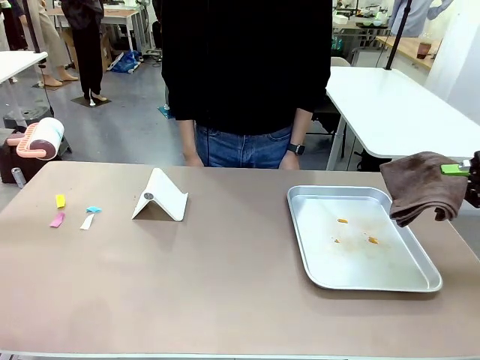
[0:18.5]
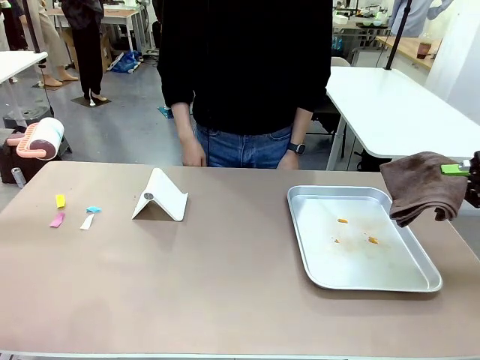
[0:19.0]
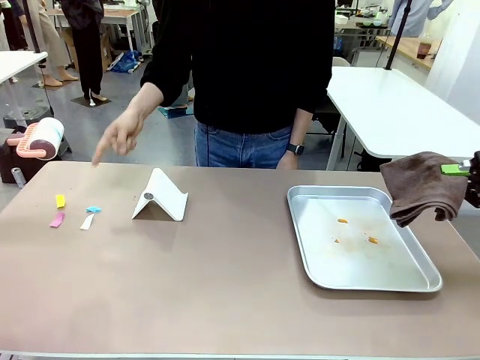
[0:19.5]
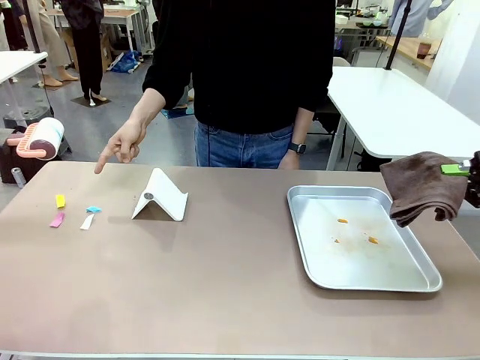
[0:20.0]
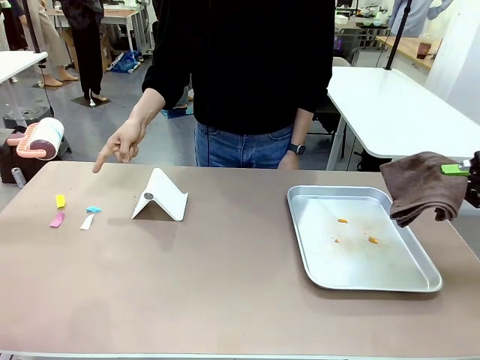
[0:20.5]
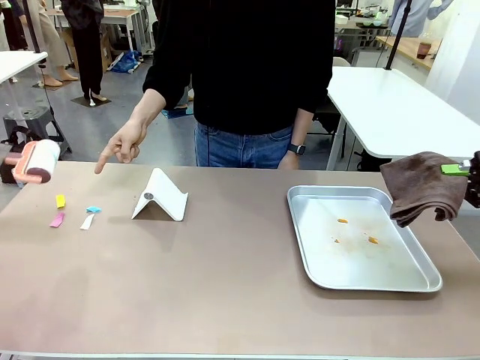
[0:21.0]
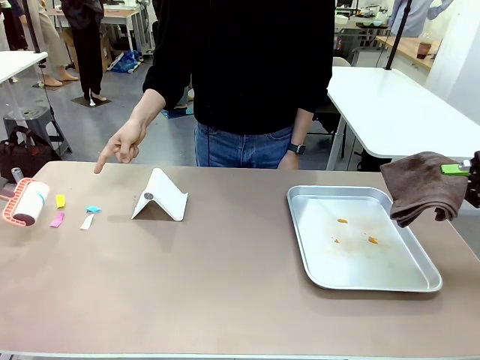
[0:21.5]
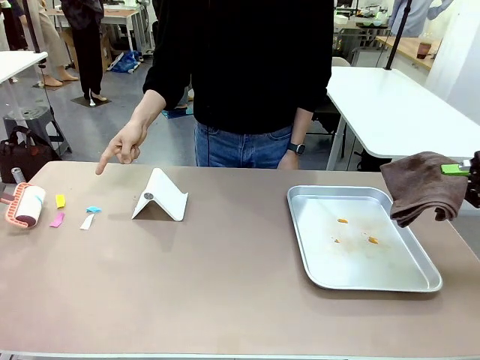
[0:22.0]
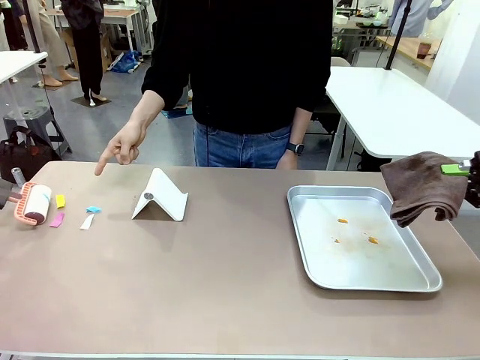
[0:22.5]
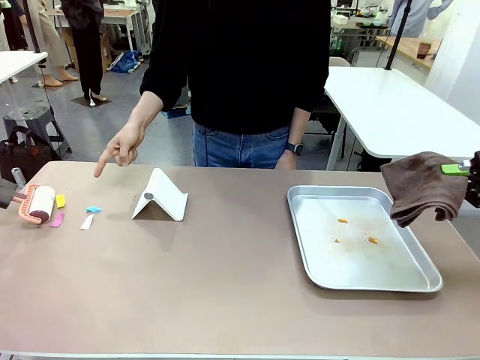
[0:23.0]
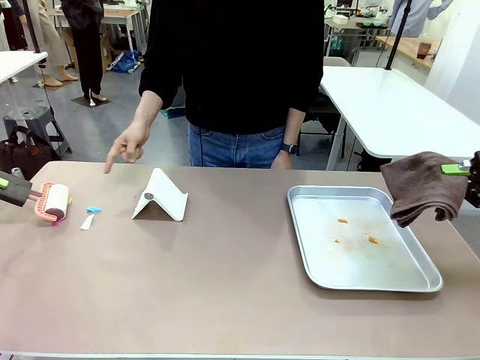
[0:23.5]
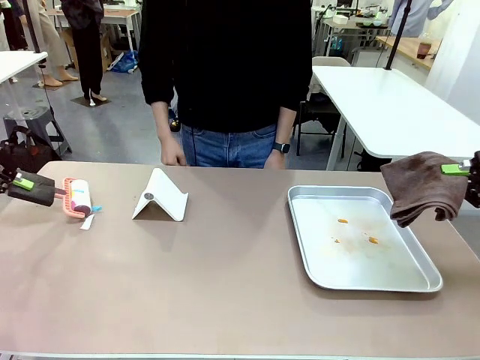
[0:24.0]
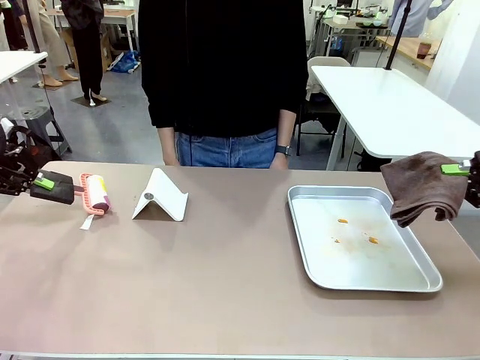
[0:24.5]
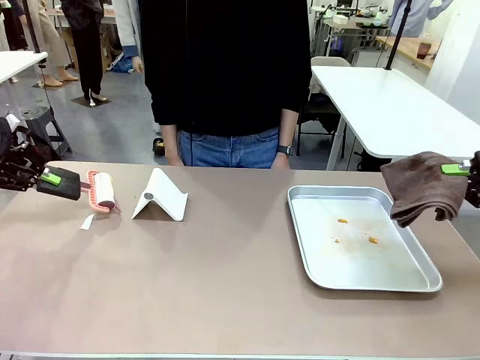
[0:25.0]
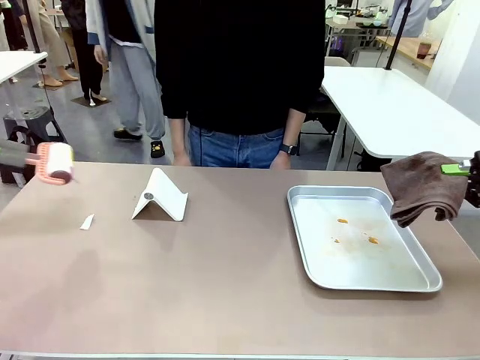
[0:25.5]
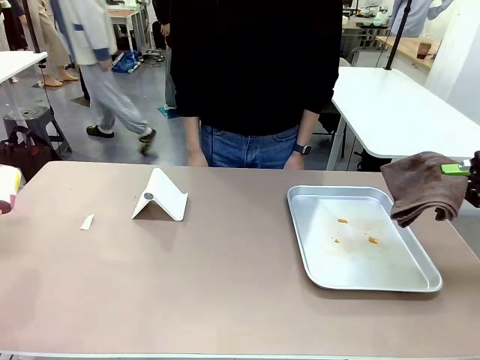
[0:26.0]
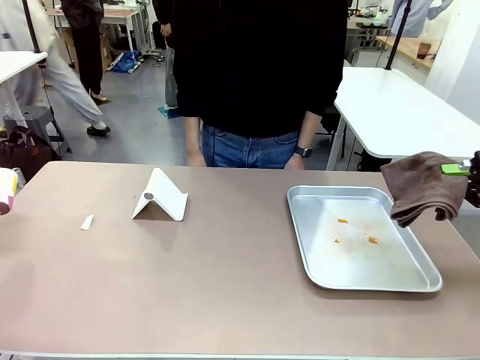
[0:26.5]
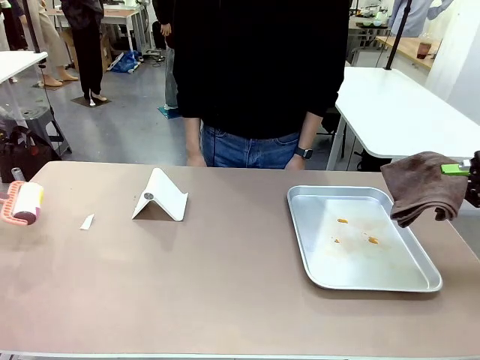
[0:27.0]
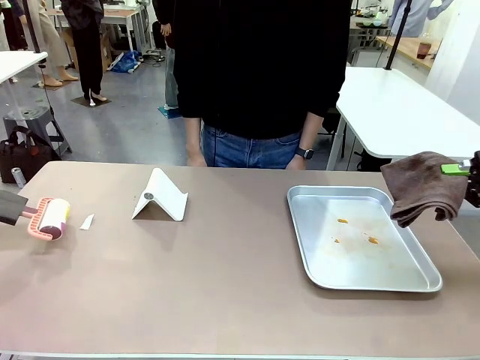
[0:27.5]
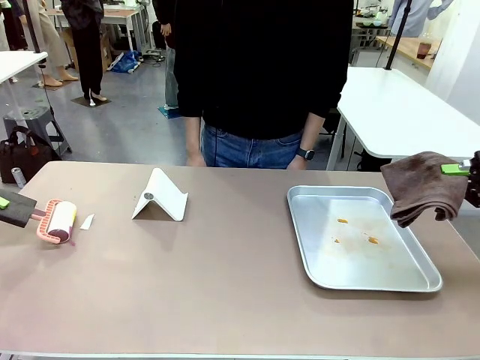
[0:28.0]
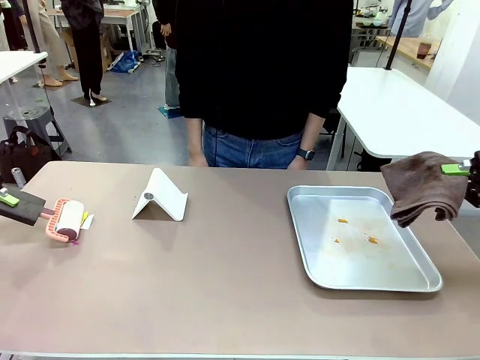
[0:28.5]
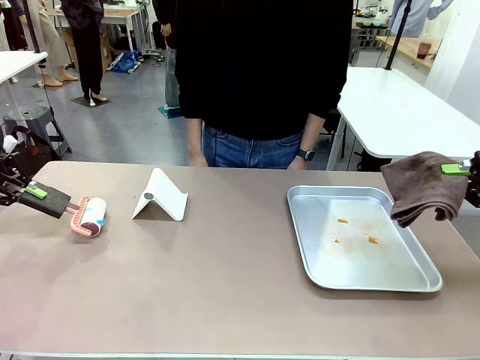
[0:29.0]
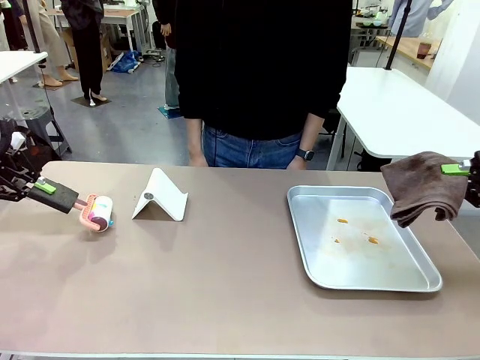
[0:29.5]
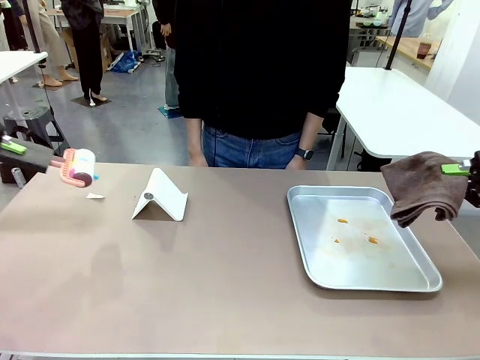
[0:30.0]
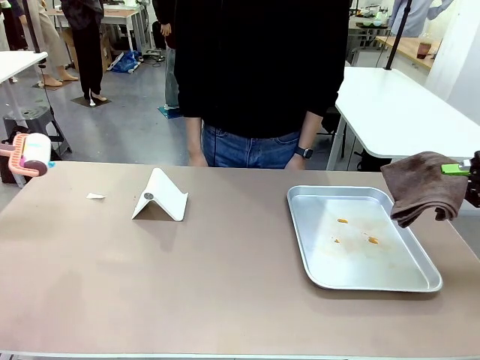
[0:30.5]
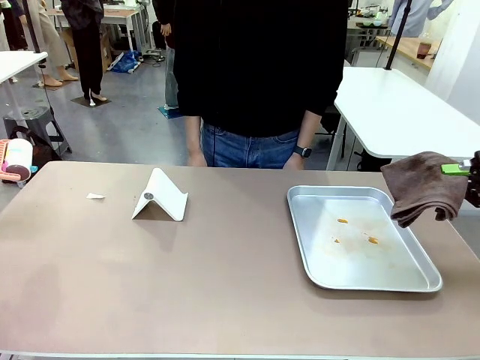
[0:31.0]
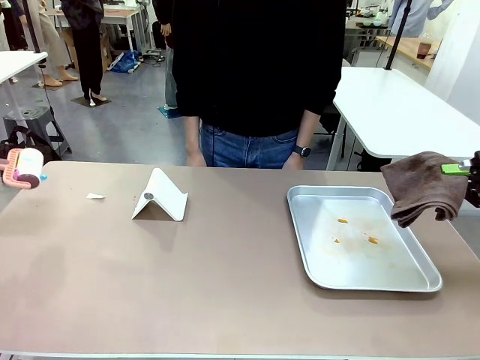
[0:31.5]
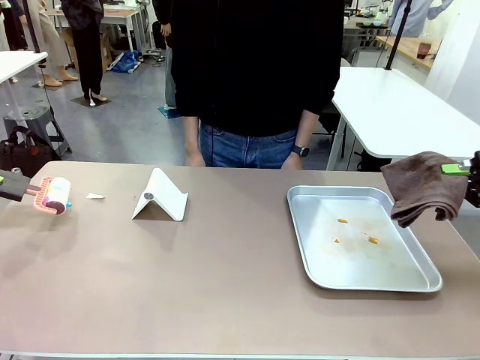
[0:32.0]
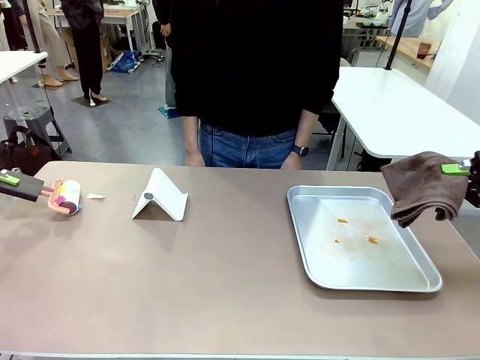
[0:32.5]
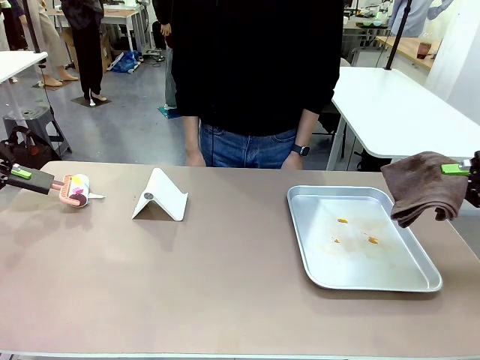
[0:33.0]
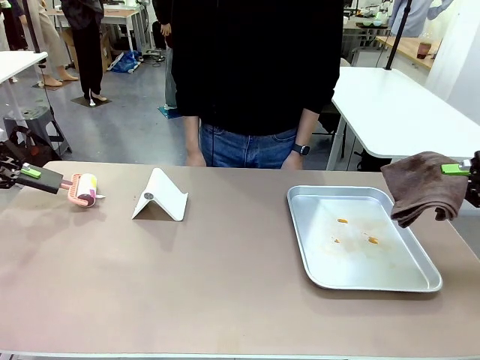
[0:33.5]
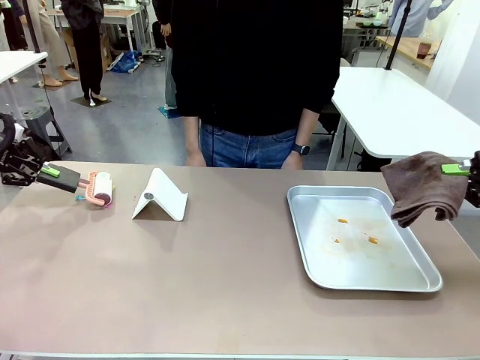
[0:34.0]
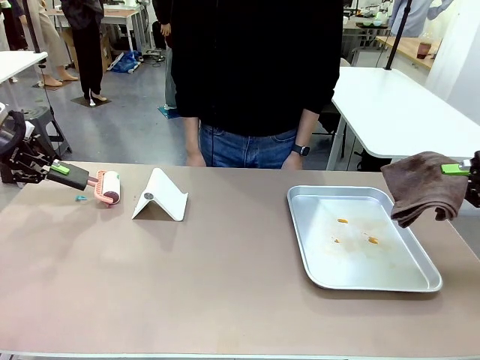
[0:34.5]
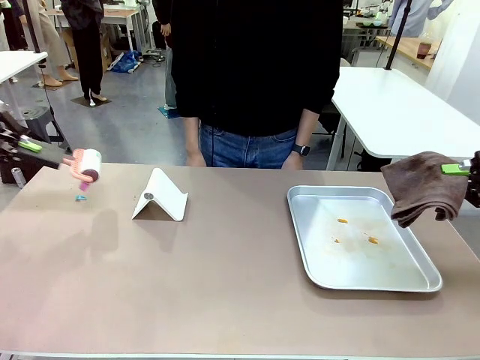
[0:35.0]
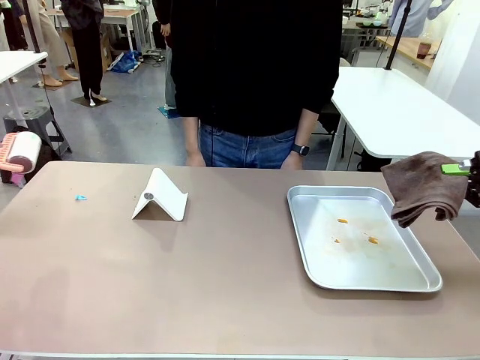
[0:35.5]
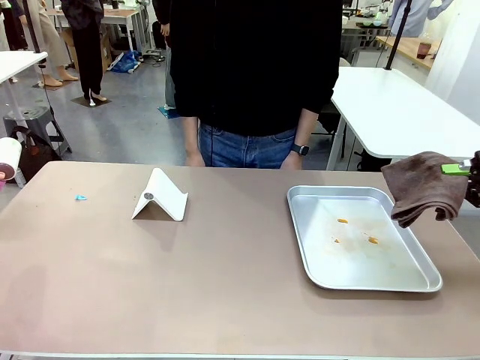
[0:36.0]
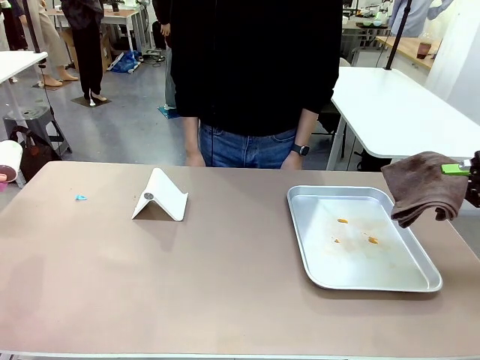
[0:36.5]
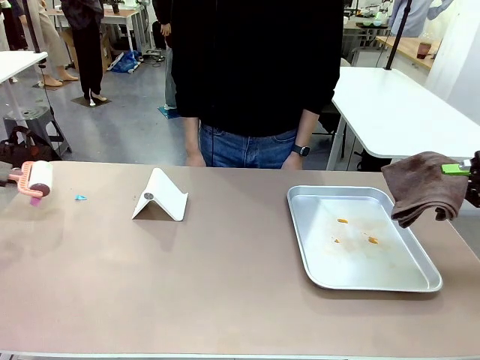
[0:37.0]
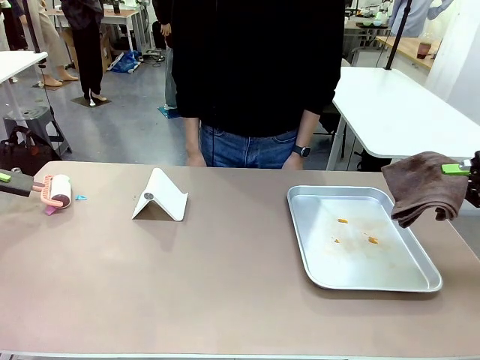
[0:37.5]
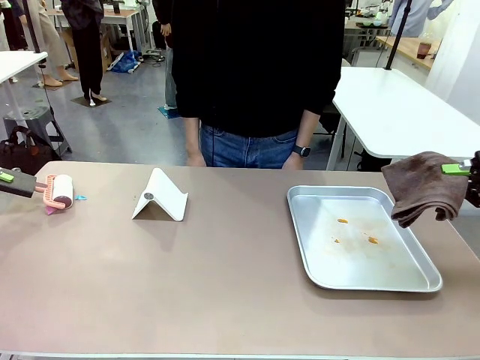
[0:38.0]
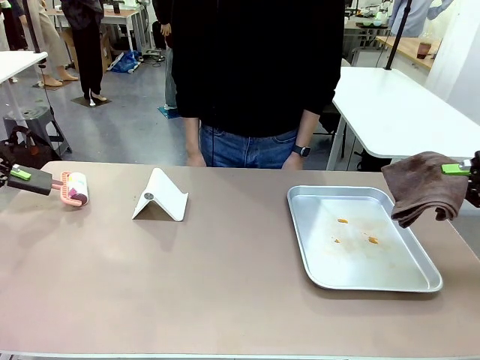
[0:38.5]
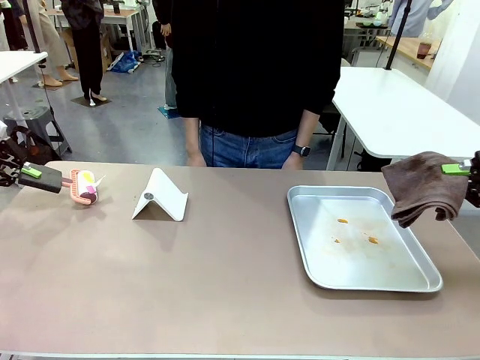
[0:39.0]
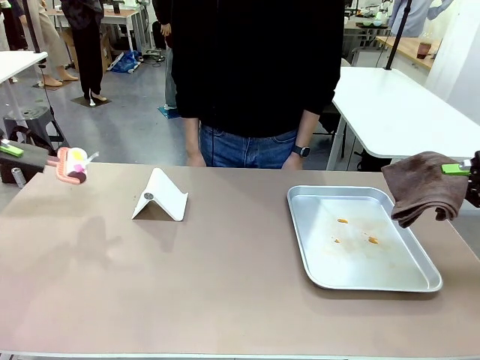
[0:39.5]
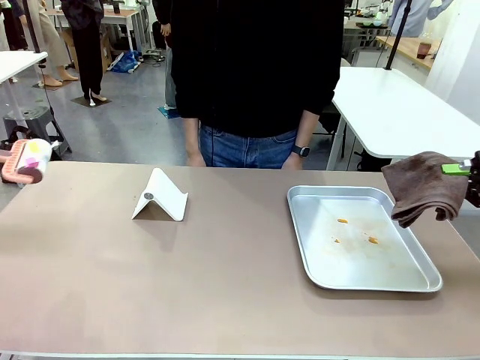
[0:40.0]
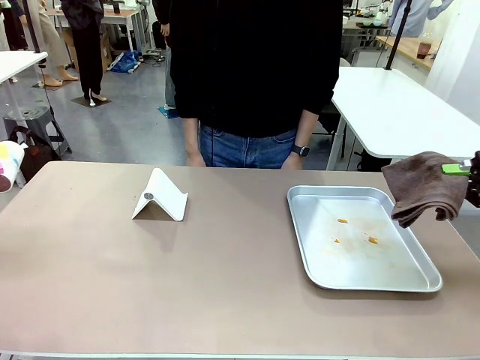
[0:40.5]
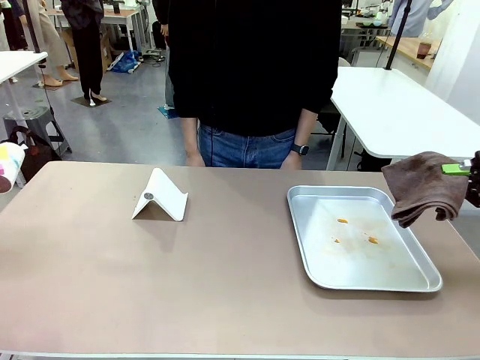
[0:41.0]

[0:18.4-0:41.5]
Task: Clean the surface of the table.
Robot: If a person points to the right, clean the right side of the table with your right hand, and if they point to the left, clean the left side with your left hand.

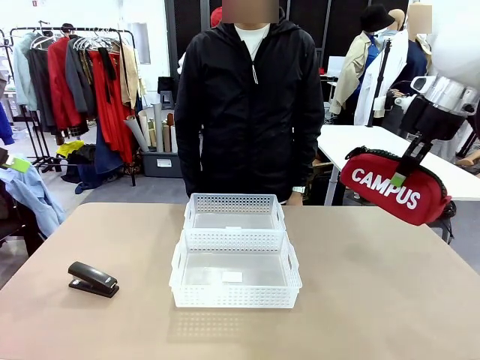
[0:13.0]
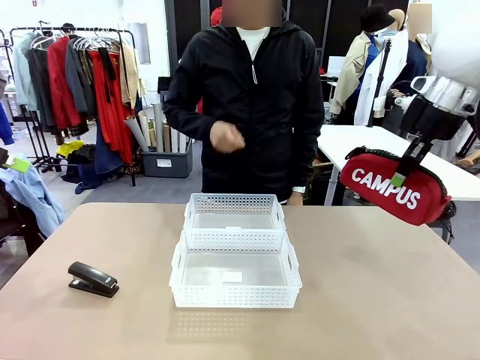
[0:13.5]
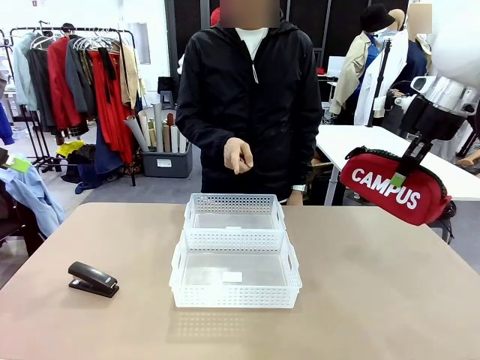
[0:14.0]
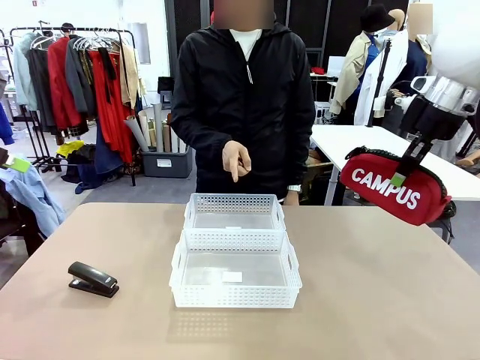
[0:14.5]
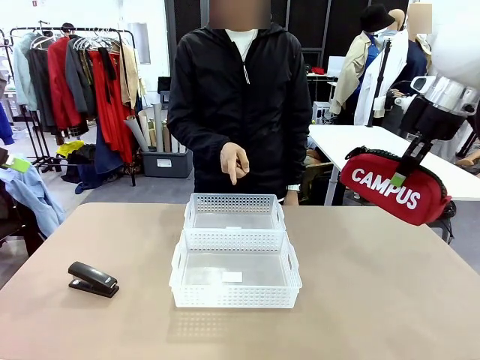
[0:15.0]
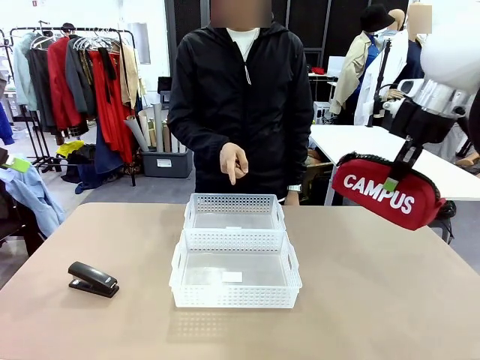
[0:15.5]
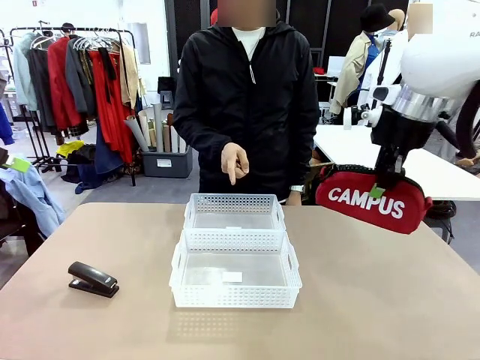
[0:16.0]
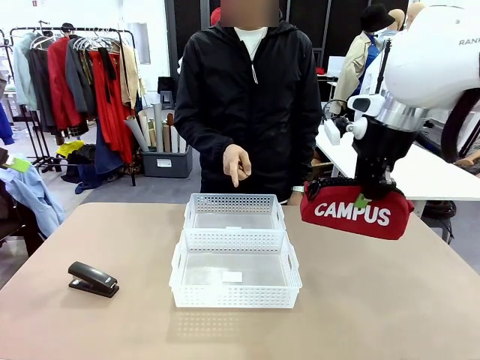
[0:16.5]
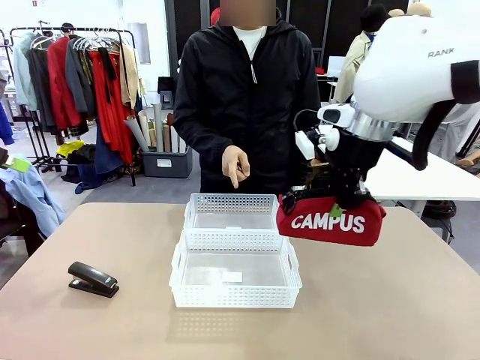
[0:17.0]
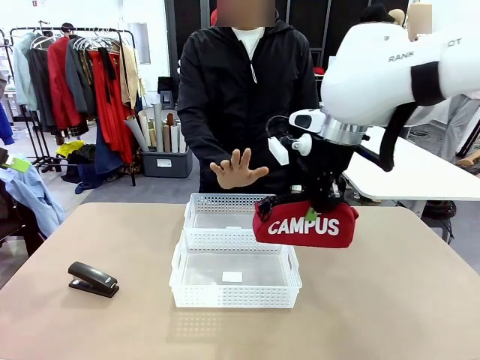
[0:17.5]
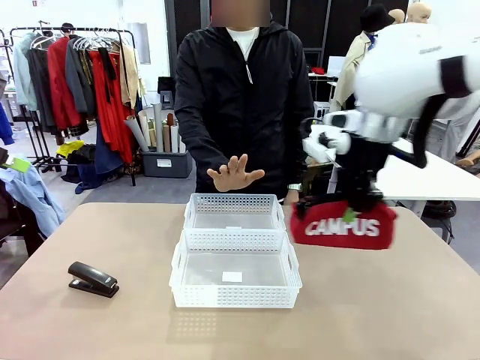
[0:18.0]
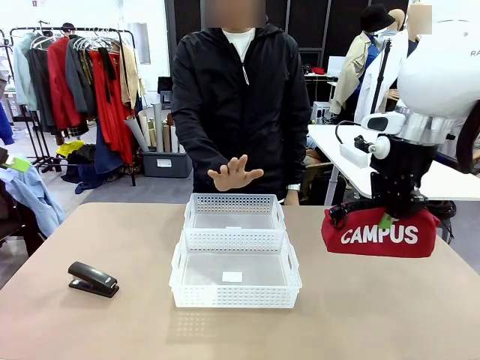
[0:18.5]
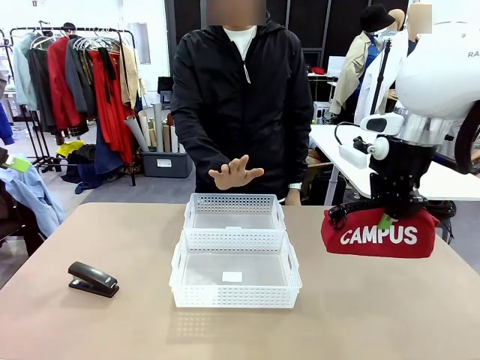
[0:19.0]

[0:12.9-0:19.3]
Task: Distribute items into two baskets.
Robot: Move the picked Pencil pouch towards the Organizing basket indicated by the person, stopping as directed.
Person: Sends a stop gesture before the robot places the pencil case into the basket.
